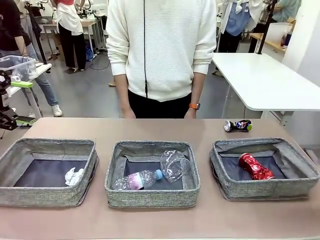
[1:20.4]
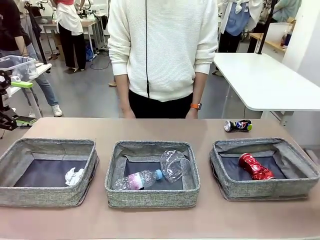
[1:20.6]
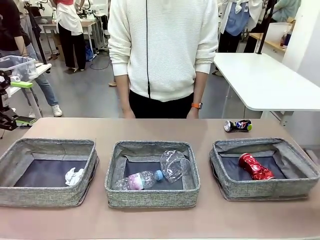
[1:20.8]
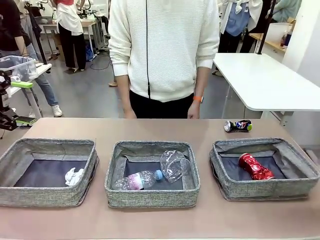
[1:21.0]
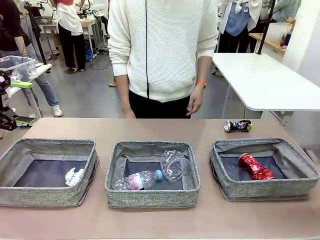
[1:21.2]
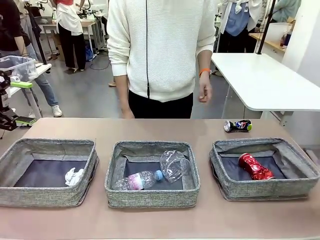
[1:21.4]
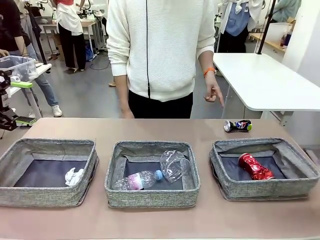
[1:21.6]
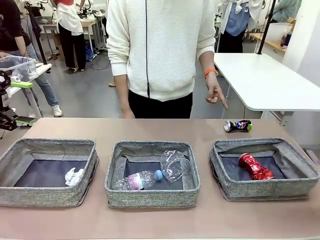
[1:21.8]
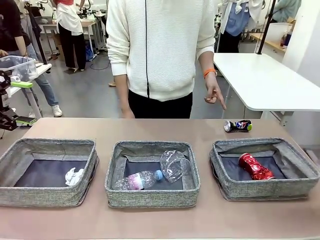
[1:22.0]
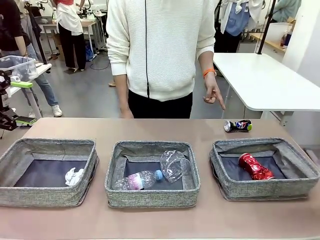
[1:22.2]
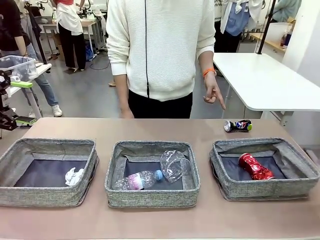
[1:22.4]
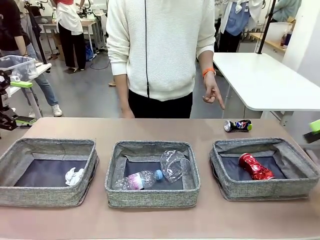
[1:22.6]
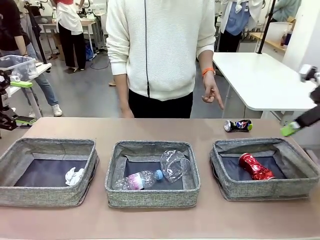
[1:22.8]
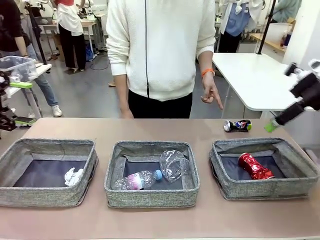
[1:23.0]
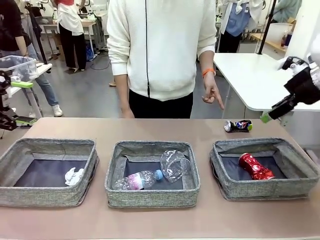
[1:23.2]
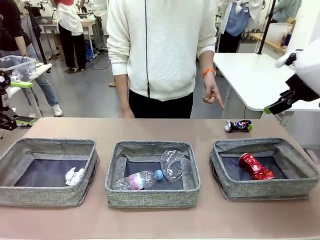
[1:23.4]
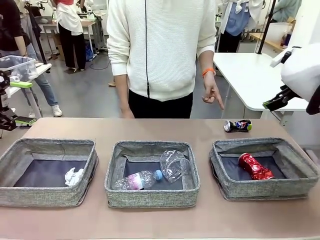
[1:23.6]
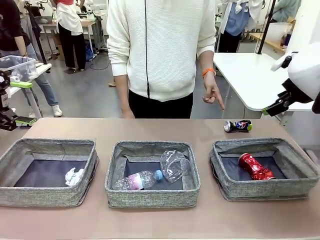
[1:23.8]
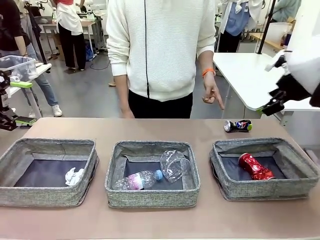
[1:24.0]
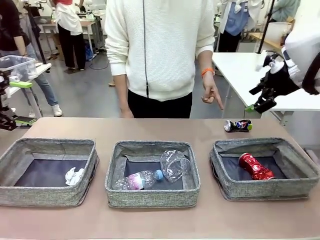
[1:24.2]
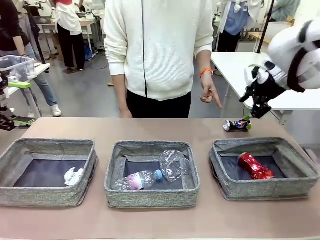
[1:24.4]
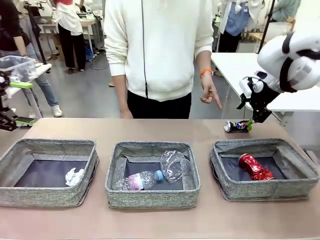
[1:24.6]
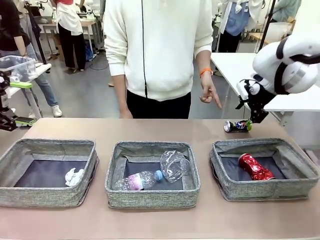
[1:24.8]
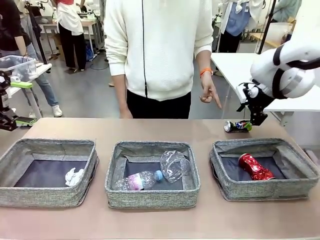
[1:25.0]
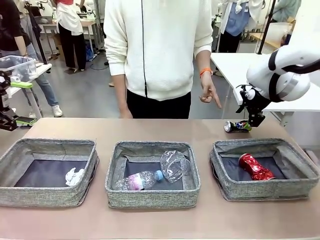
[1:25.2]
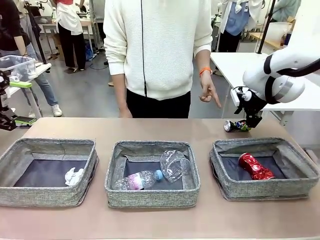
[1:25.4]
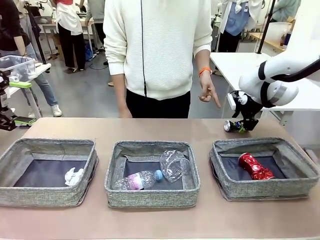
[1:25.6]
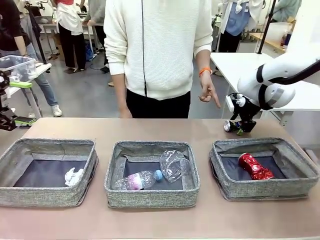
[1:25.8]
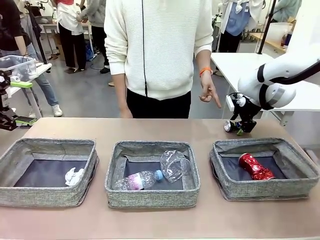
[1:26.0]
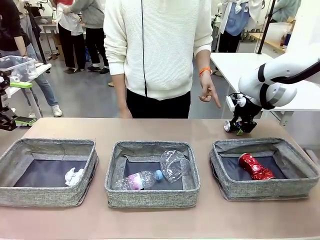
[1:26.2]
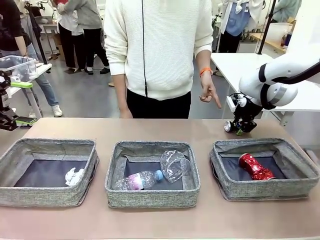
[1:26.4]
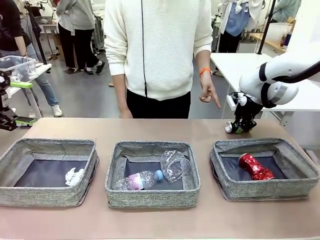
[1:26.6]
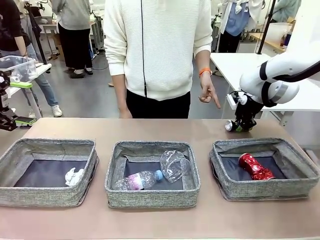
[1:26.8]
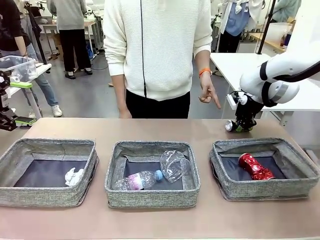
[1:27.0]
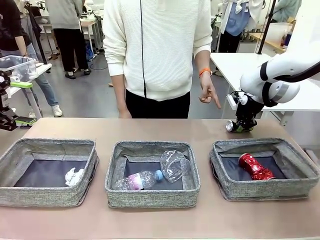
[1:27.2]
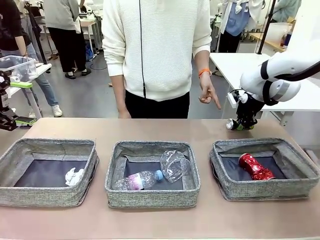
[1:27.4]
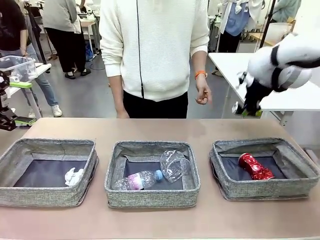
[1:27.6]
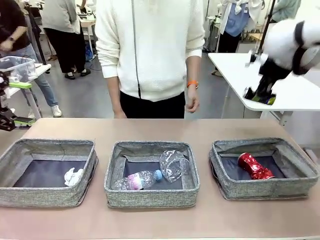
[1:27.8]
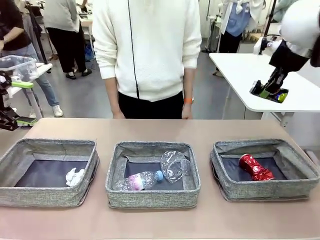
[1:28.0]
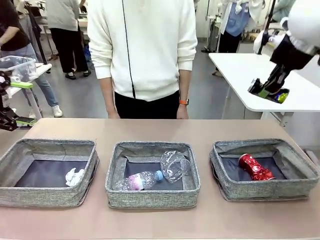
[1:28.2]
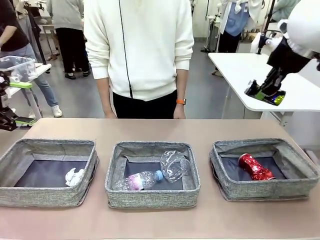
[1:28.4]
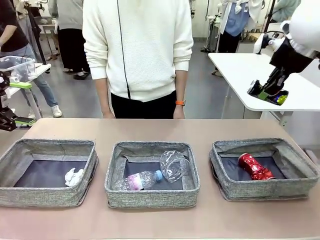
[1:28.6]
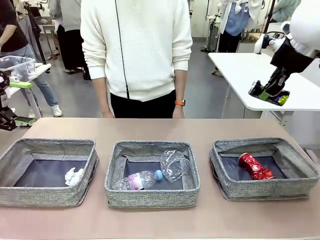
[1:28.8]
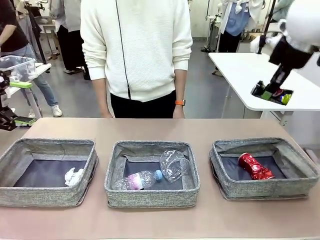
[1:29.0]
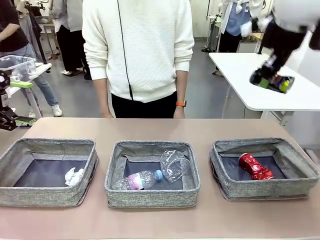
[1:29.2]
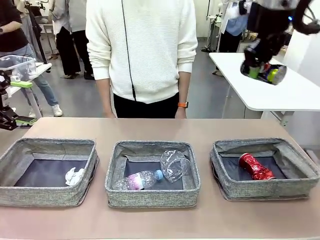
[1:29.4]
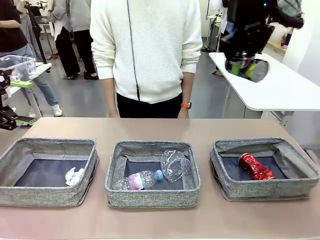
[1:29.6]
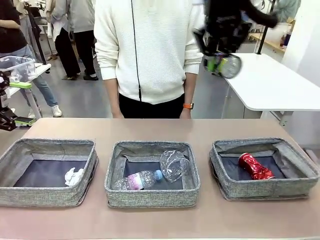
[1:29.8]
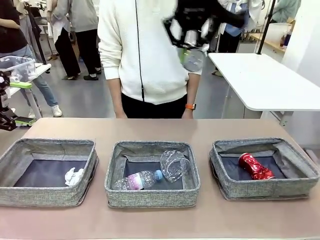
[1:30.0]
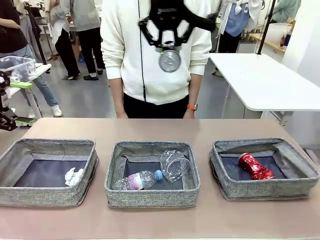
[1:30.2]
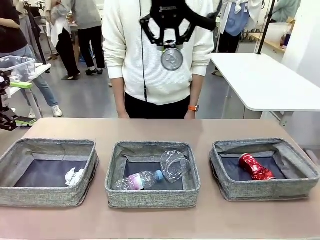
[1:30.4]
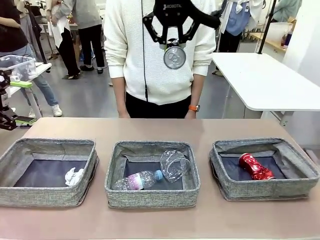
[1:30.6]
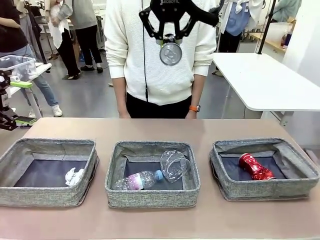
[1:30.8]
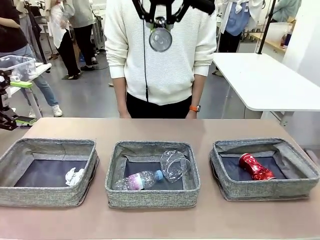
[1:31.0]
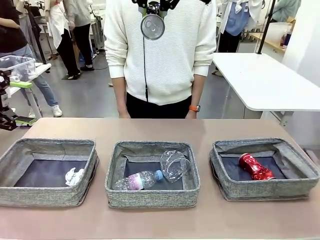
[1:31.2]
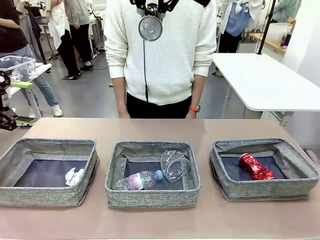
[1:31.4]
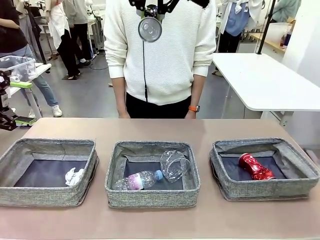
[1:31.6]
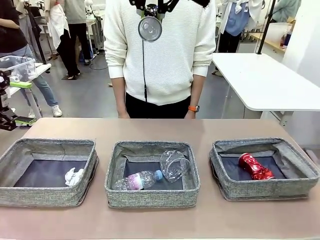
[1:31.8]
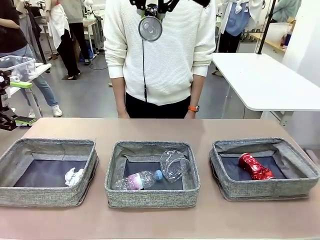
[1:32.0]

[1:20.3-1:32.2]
Task: Sort the waste into the appropriate baskets.
Robot: Pick up the waste item pointed out by the person.
Person: Points to one piece of trash on the table.

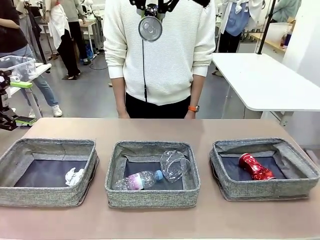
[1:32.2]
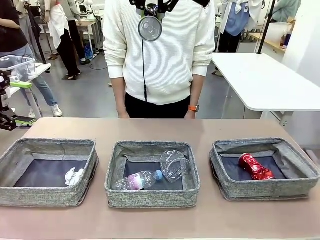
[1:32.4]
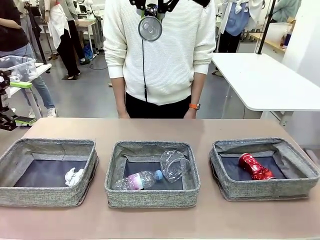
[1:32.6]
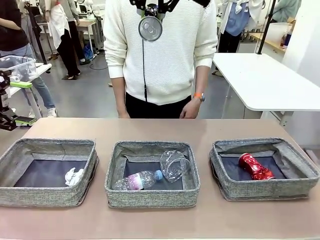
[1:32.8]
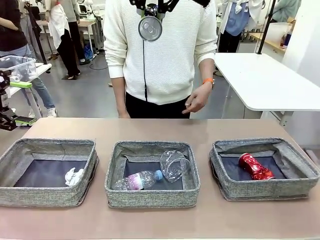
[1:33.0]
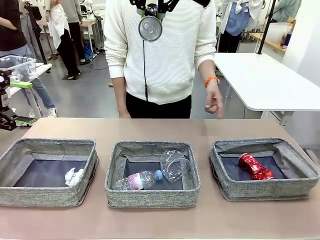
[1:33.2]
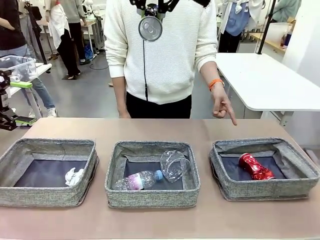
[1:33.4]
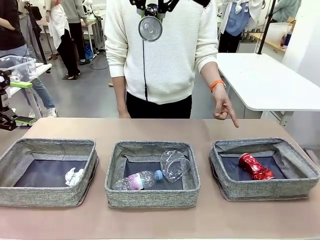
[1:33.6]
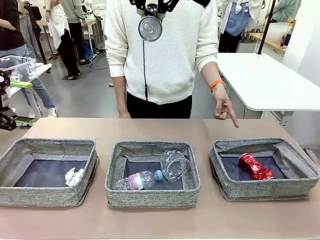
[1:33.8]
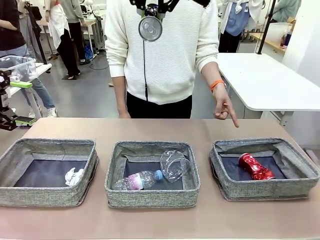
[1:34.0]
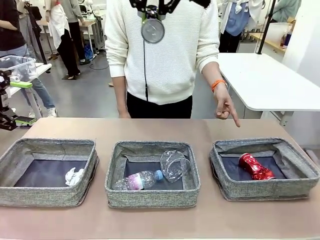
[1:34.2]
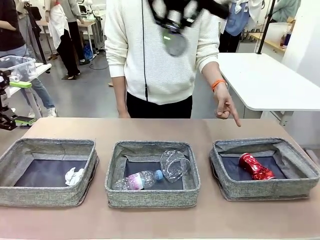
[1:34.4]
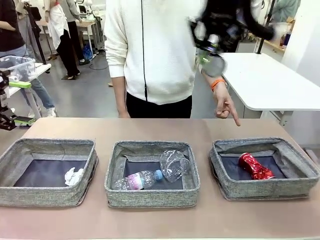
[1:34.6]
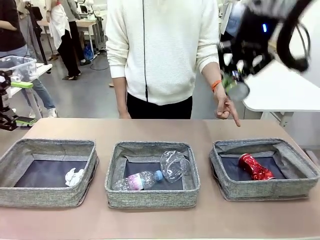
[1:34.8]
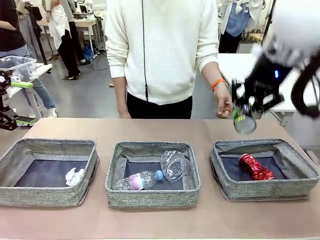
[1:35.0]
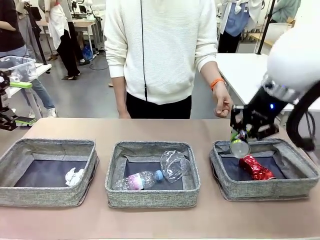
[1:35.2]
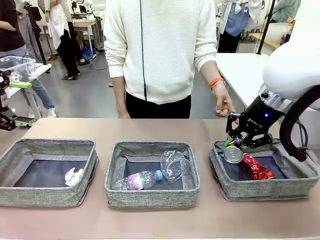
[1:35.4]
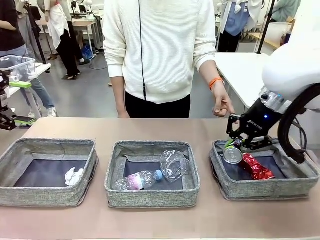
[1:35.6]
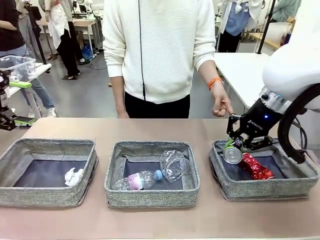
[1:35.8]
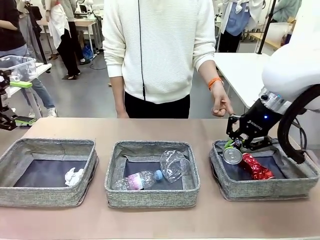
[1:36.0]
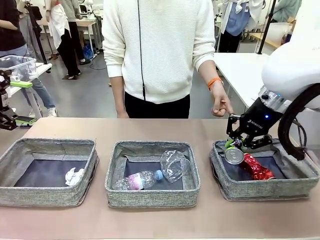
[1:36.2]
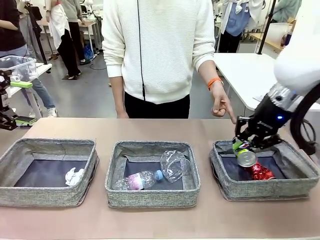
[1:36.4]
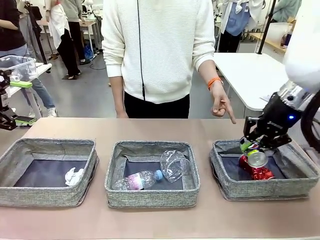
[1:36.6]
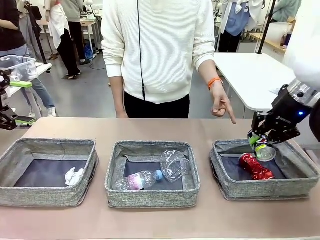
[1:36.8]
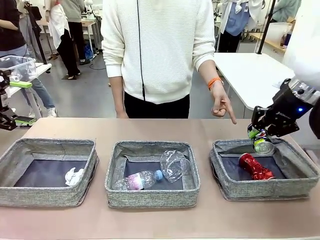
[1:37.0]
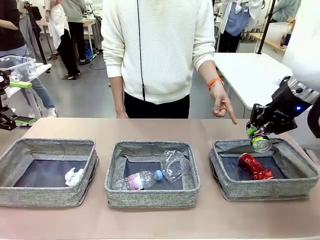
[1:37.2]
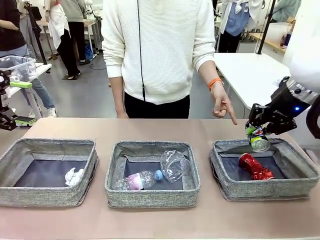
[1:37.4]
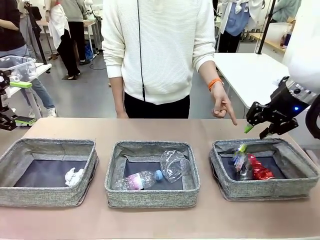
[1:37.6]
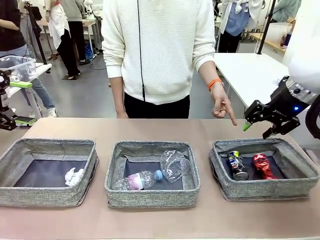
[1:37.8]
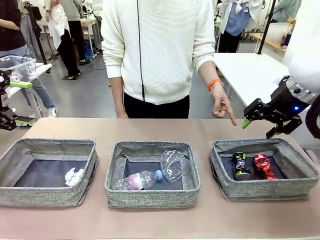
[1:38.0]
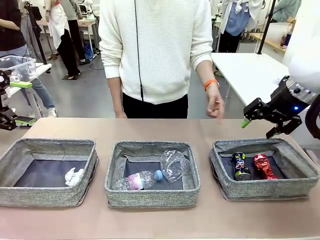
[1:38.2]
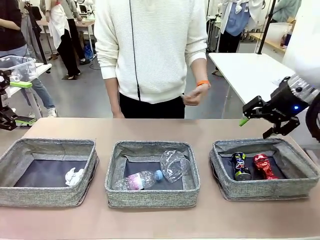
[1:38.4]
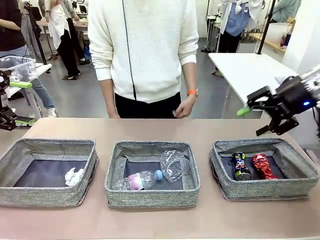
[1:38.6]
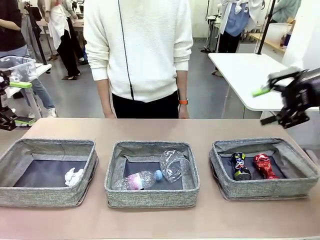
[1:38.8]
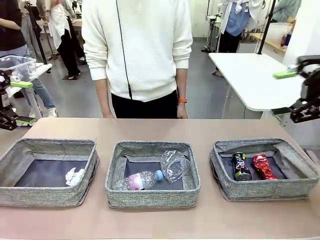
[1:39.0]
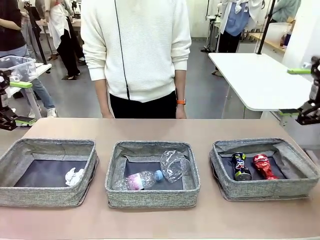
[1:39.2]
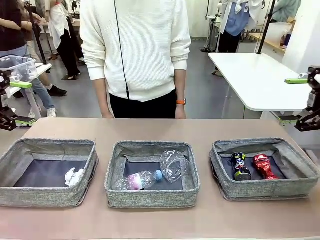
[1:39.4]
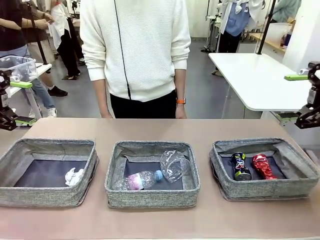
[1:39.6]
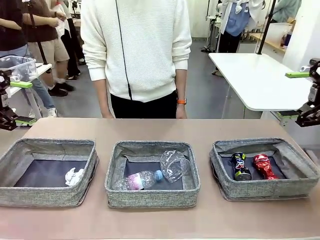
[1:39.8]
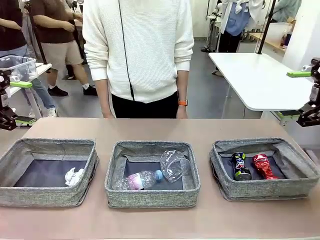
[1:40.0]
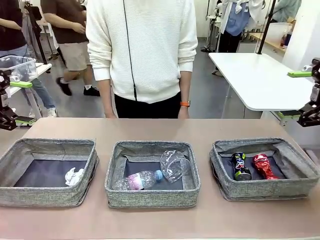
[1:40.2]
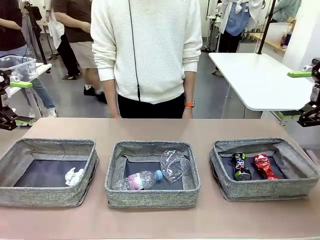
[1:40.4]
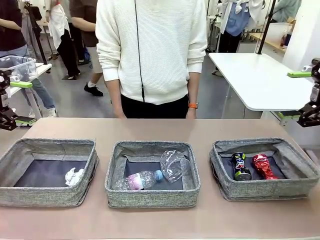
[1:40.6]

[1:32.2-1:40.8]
Robot: Place the picked waste into the Fabric basket indicated by the person.
Person: Instructs the robot to place the picked-up trash into the appropriate organizing basket.
